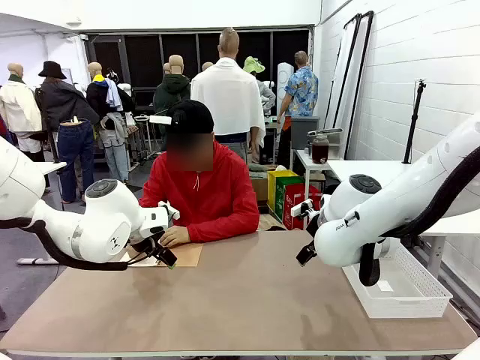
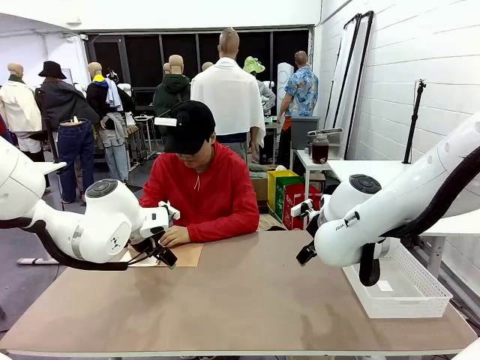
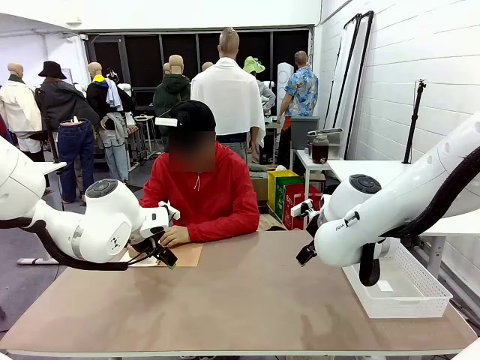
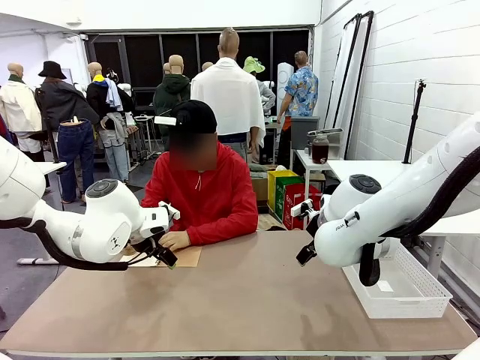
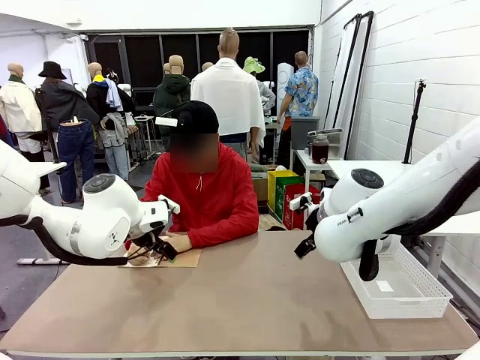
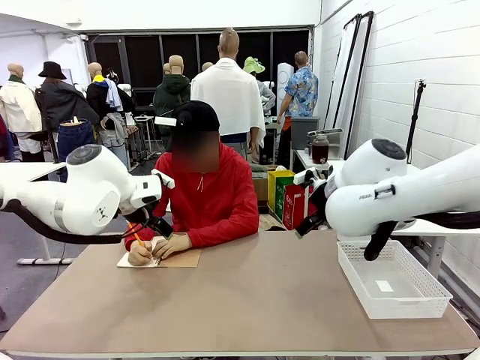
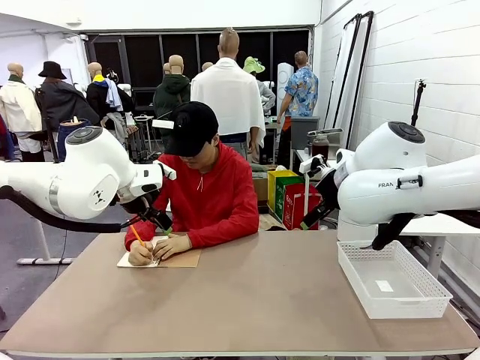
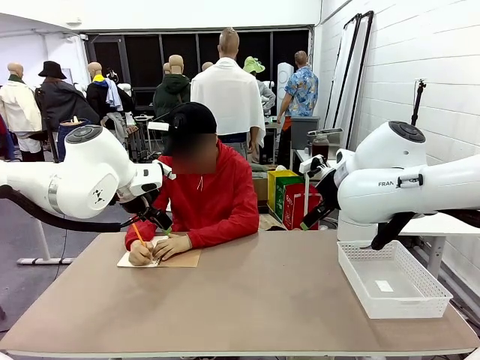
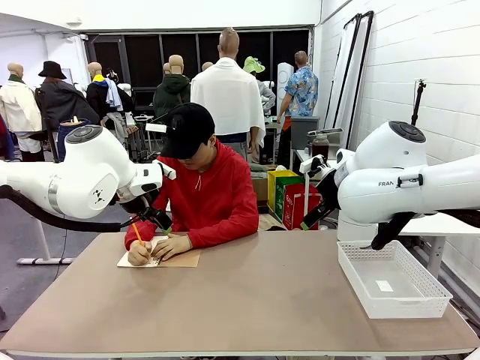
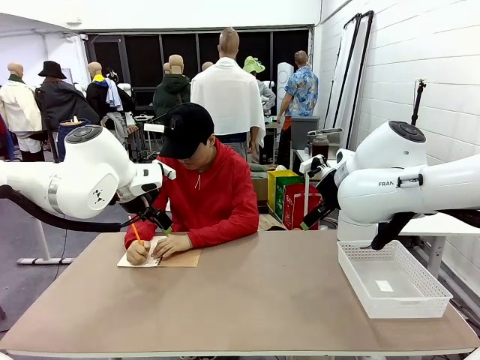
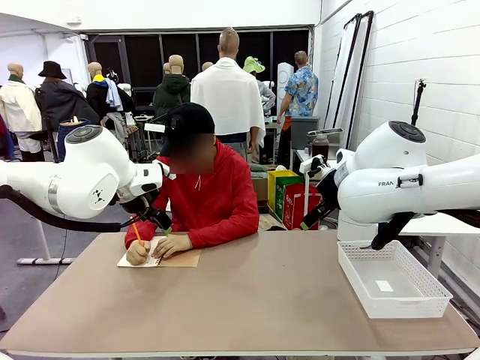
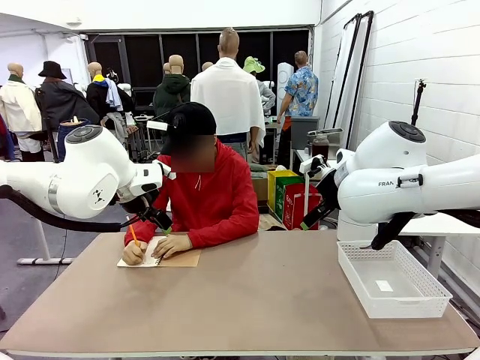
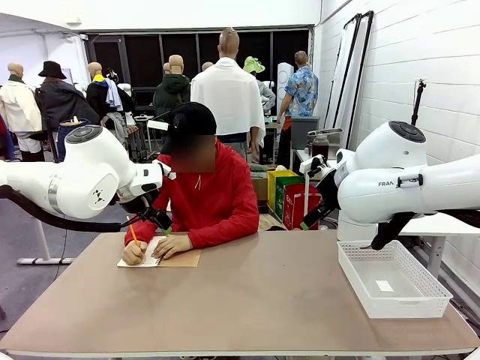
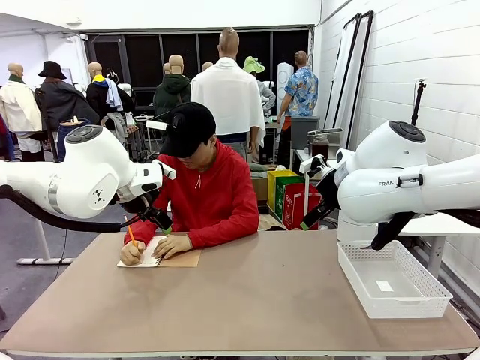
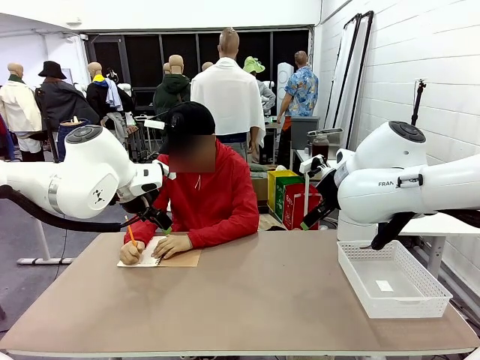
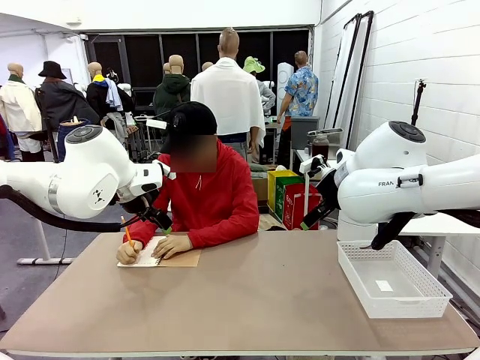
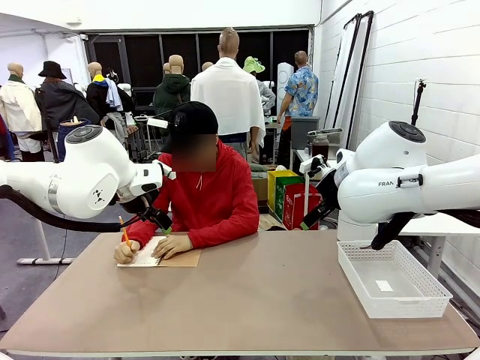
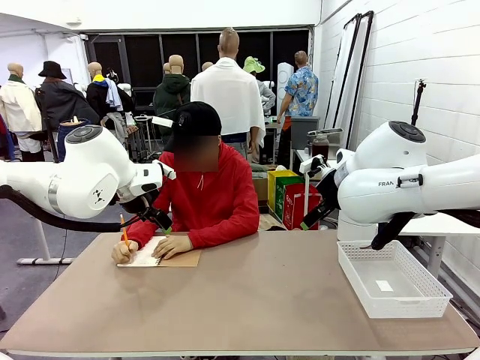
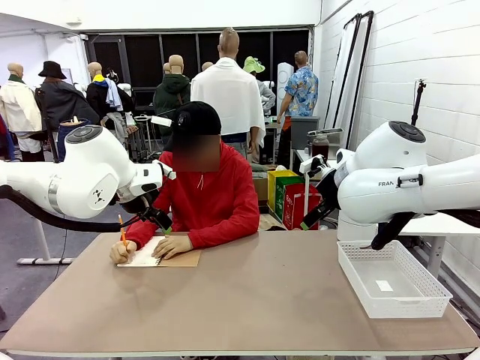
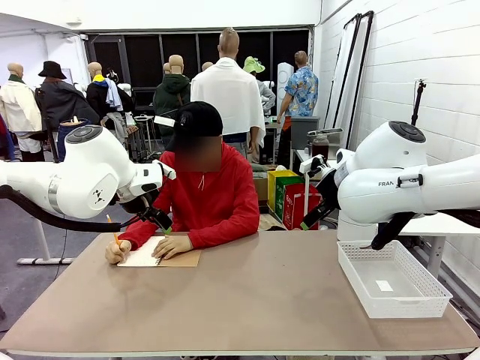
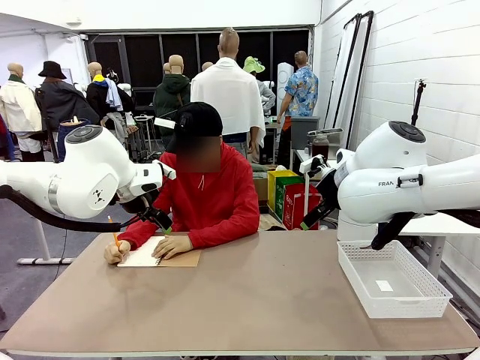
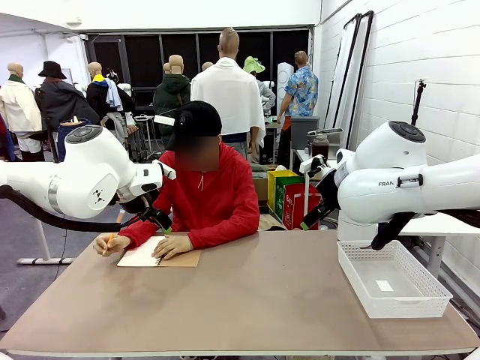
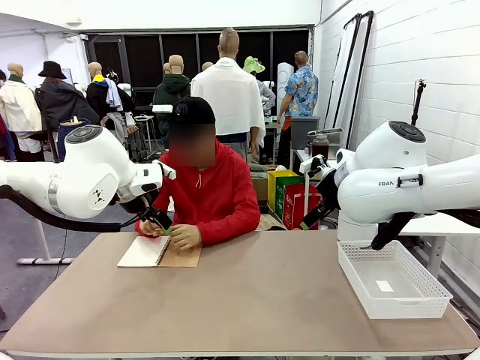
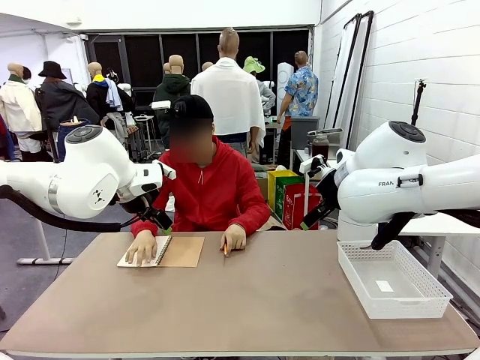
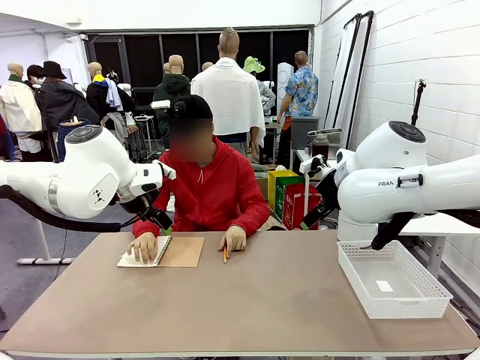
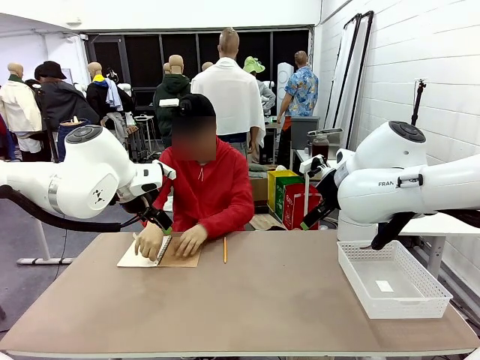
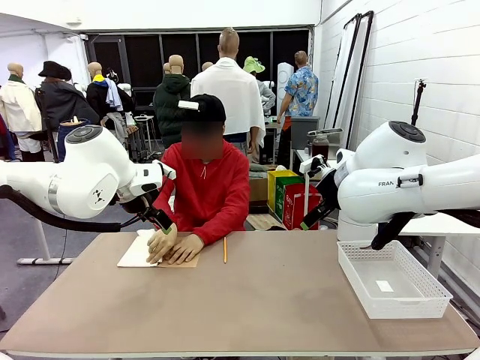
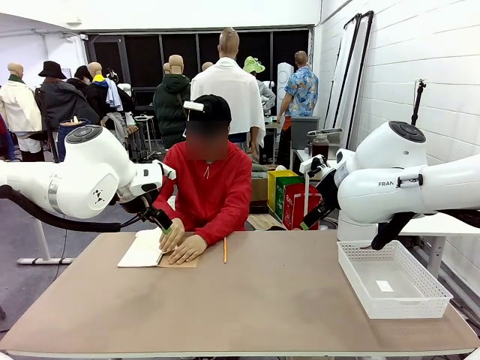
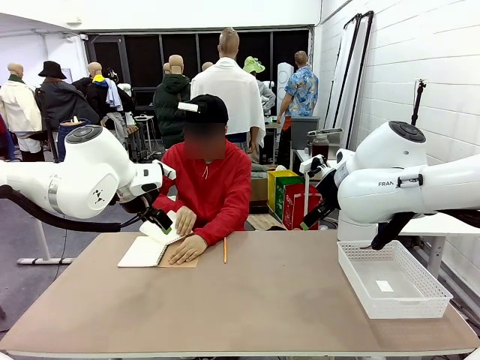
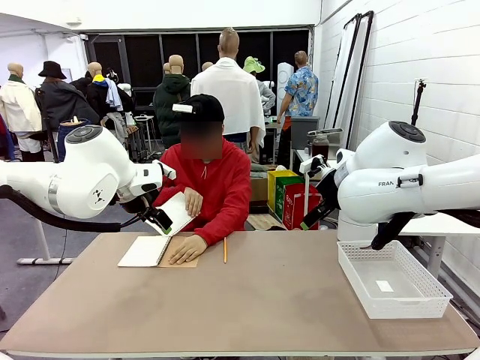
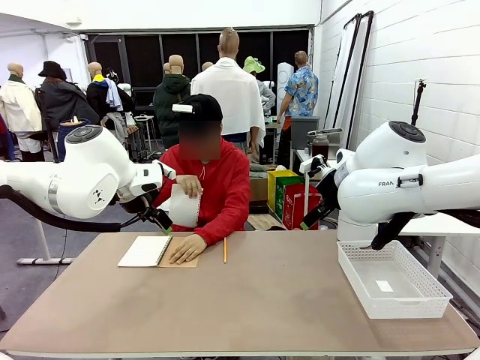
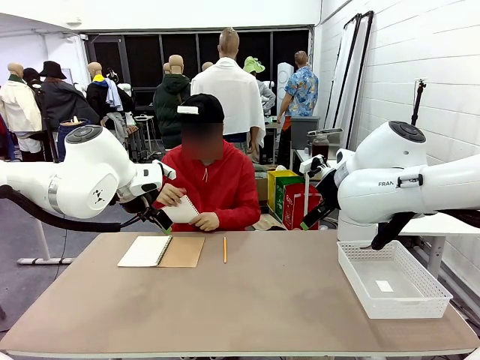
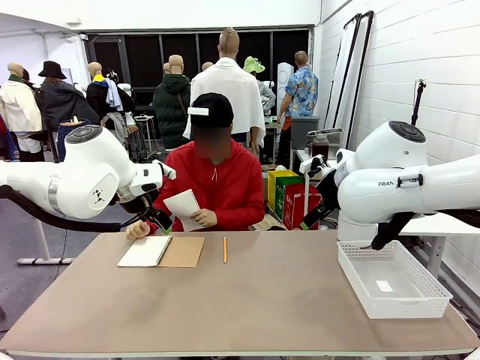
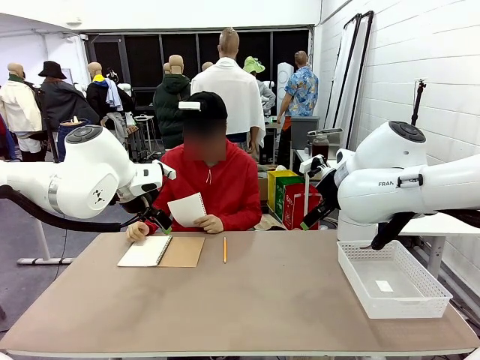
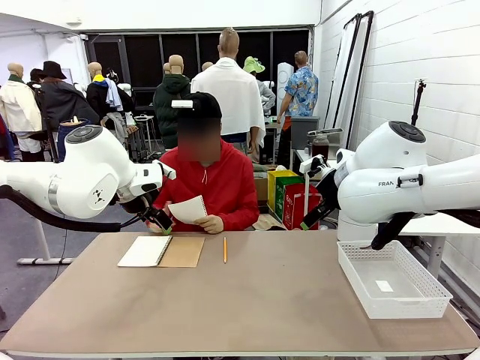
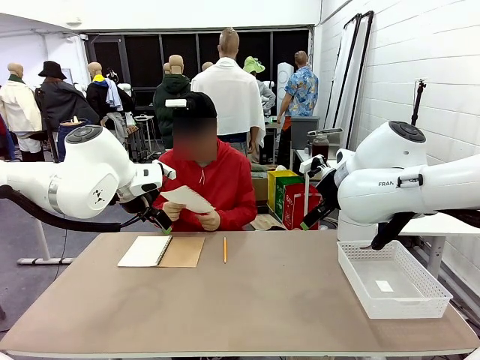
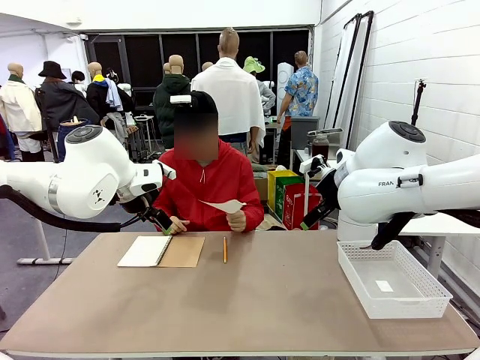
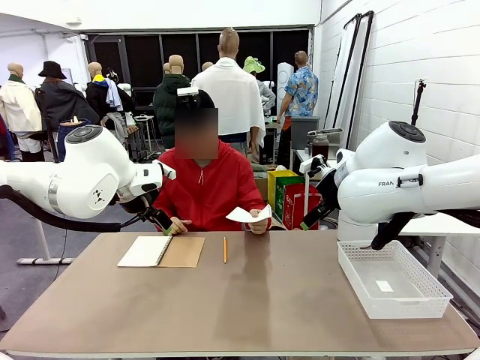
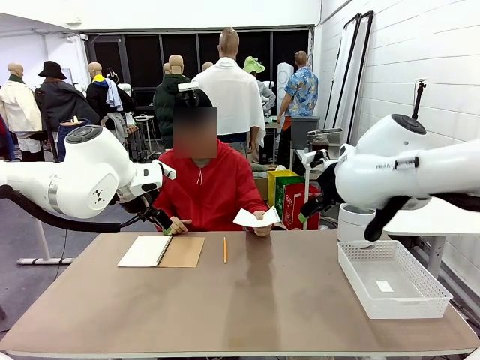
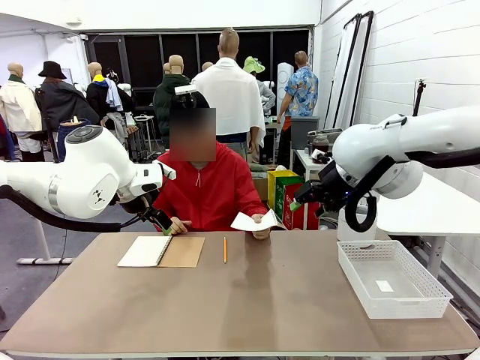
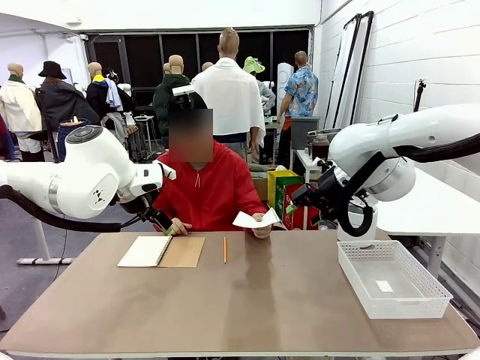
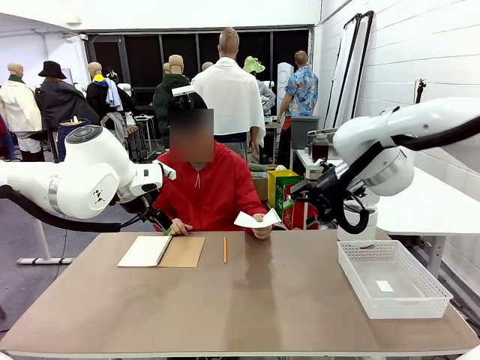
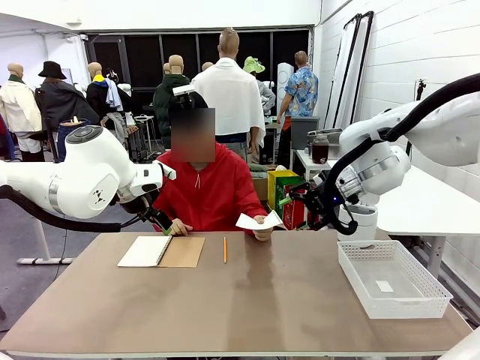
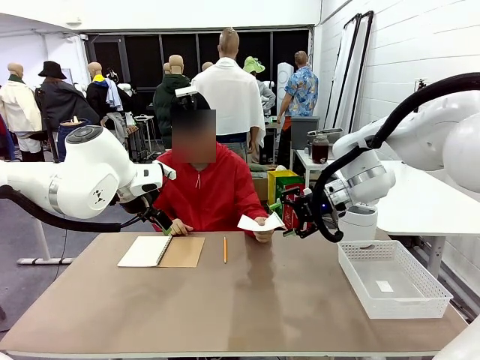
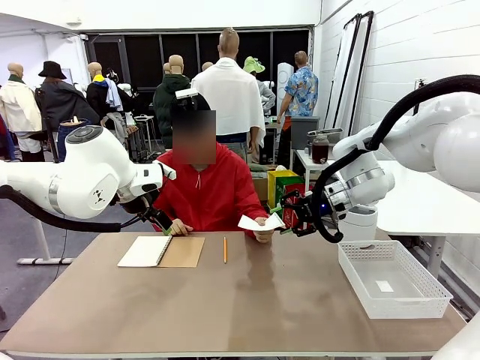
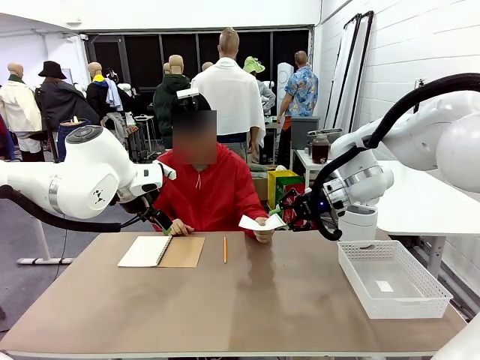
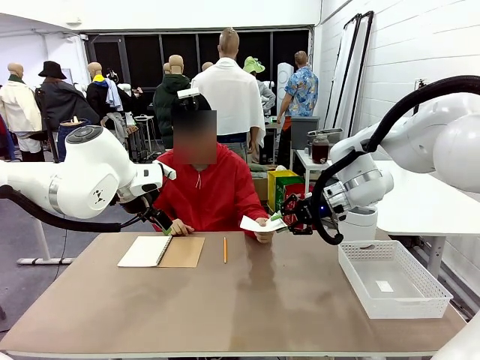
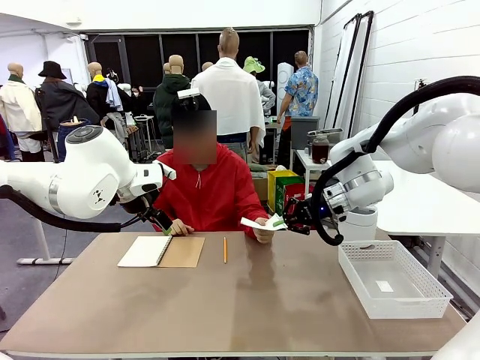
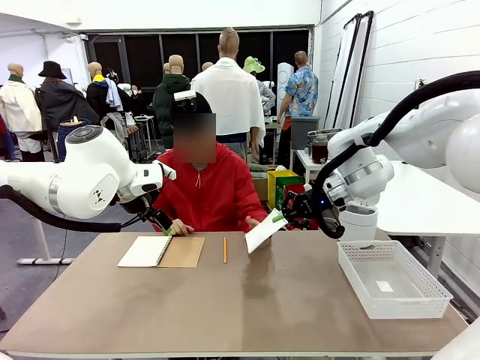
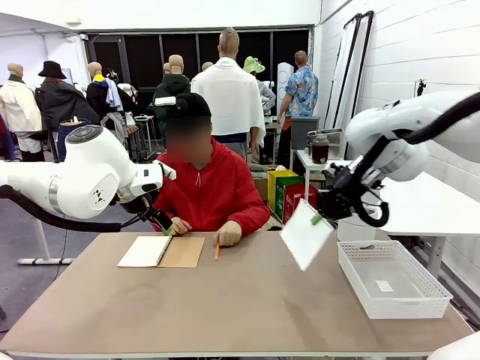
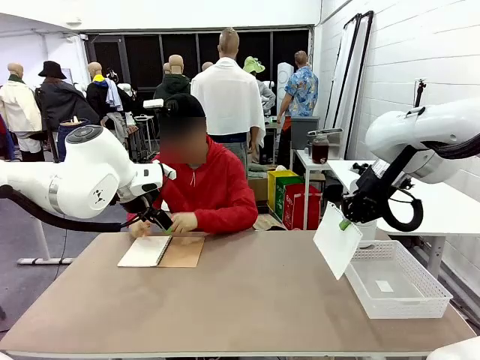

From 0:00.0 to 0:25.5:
Task: Sort the paper based on its condition.
Robot: If a person hands you a paper, place it in the Organizing basket , and if it's crumpled, put it in the Trash can.
Person: Tear out a page from the spiral notebook. Hand the torn page to the robot or crumple it and throw it to the center of the table.
